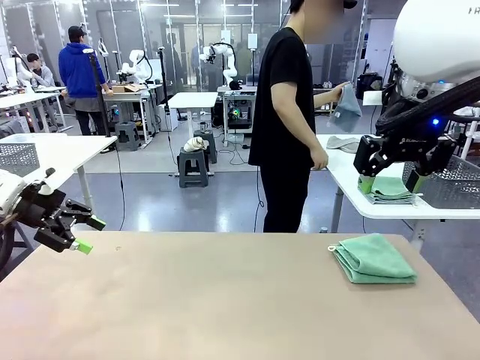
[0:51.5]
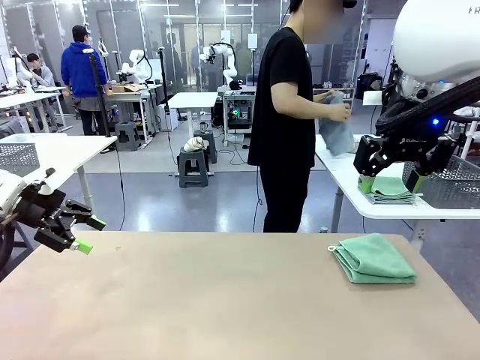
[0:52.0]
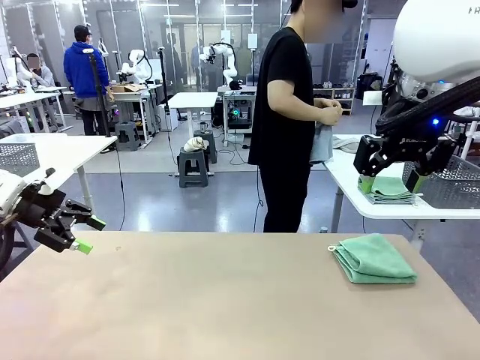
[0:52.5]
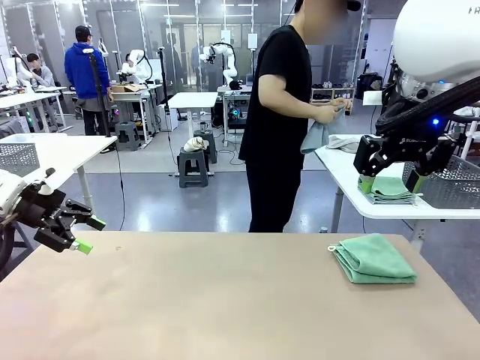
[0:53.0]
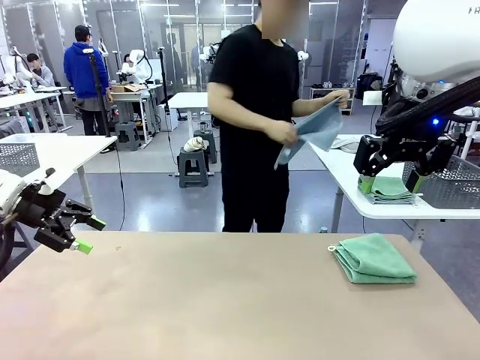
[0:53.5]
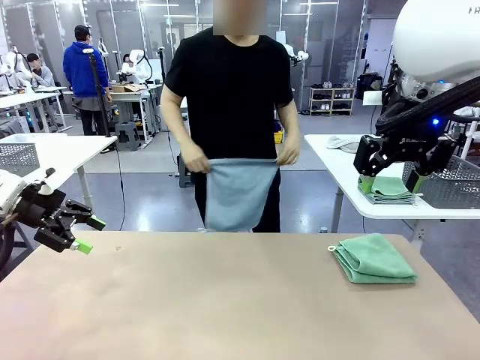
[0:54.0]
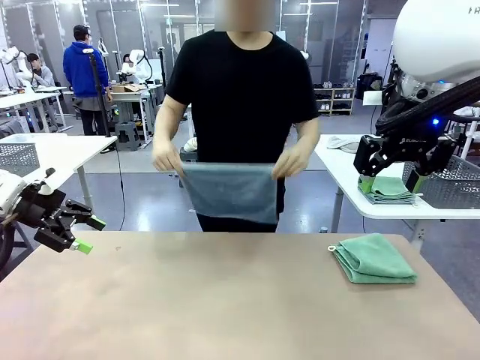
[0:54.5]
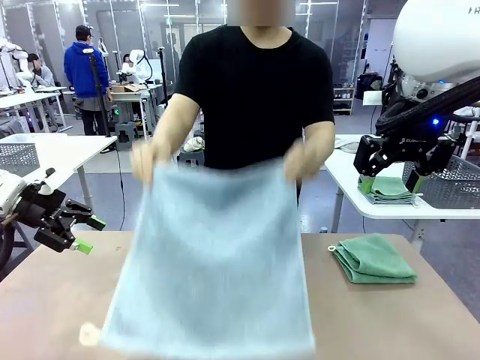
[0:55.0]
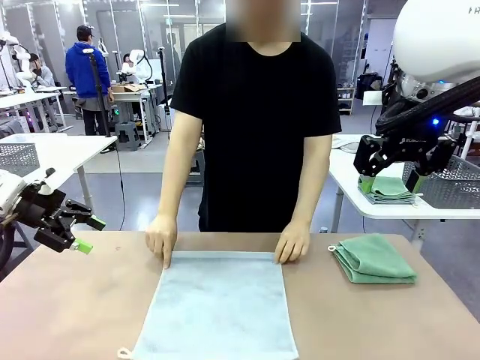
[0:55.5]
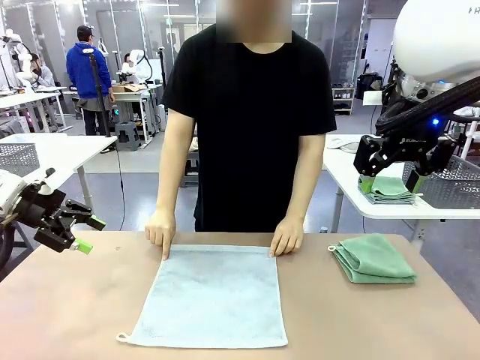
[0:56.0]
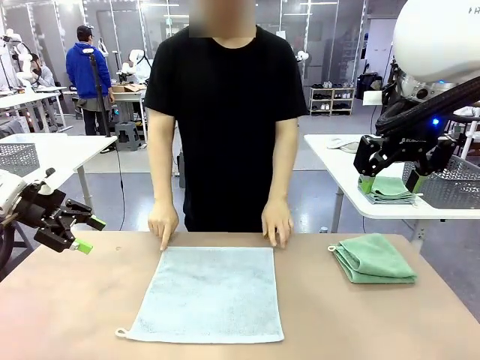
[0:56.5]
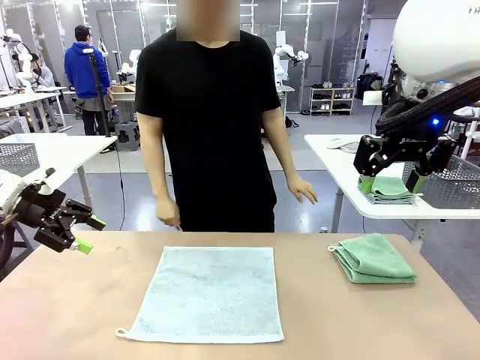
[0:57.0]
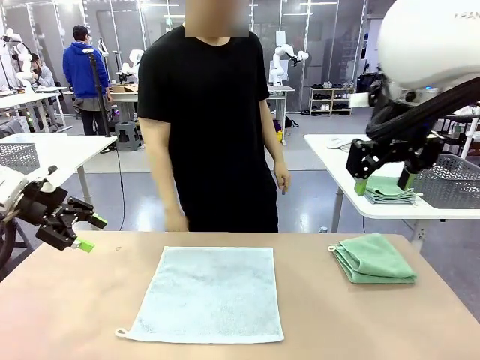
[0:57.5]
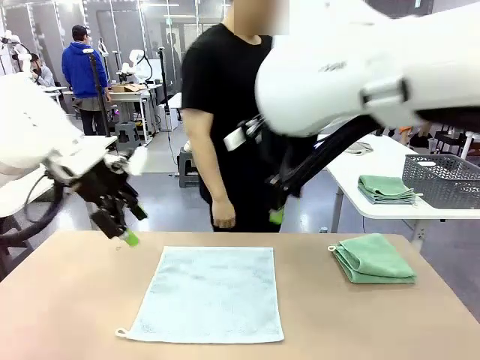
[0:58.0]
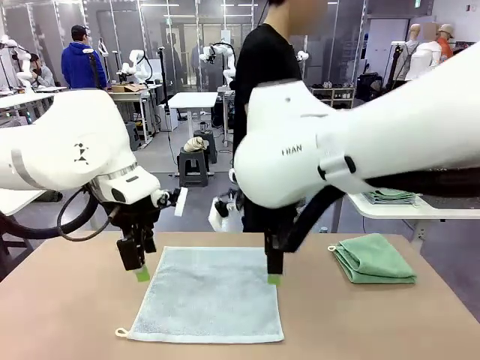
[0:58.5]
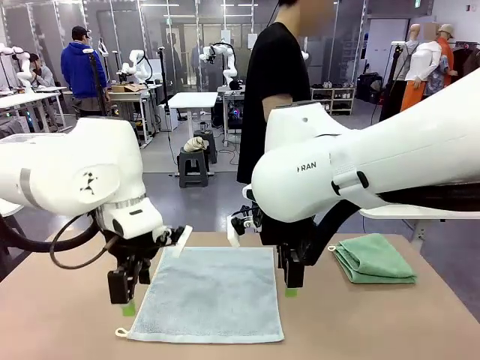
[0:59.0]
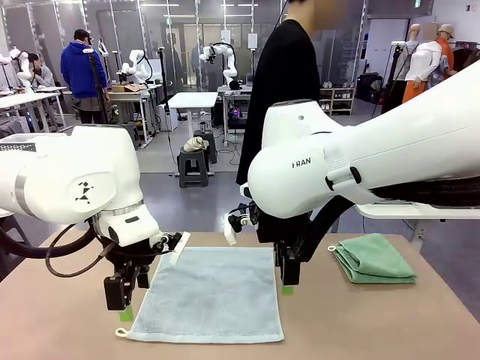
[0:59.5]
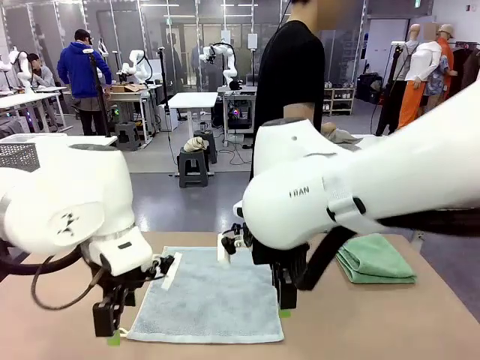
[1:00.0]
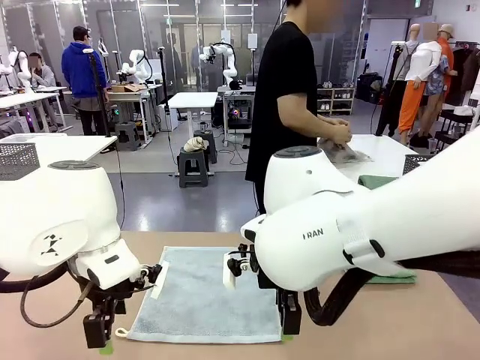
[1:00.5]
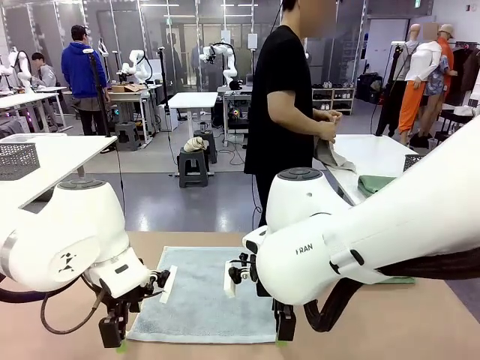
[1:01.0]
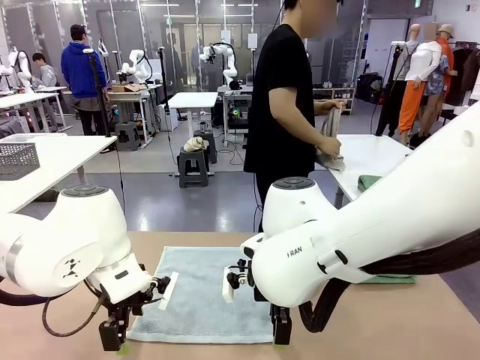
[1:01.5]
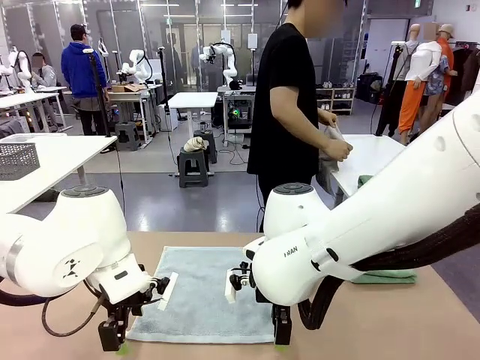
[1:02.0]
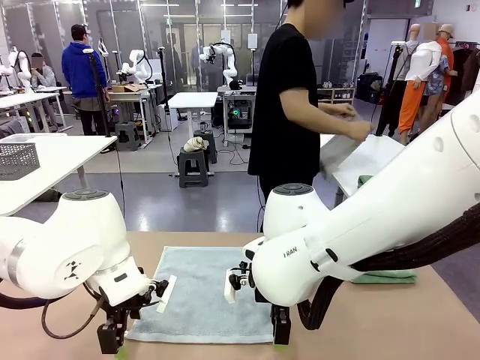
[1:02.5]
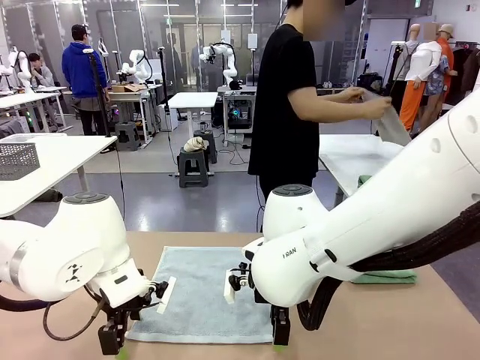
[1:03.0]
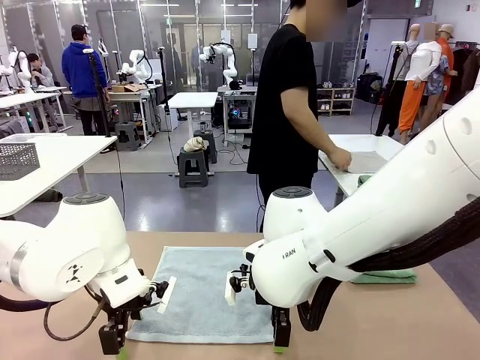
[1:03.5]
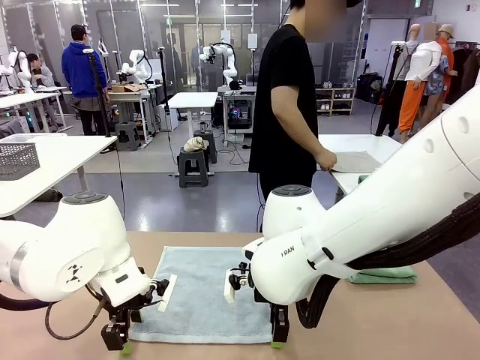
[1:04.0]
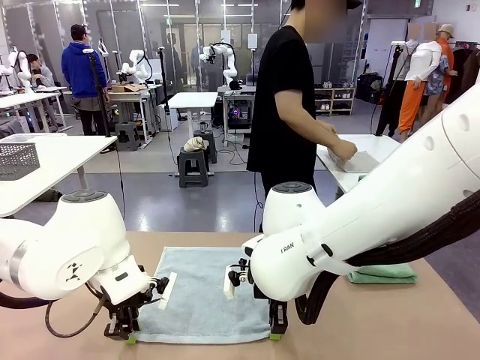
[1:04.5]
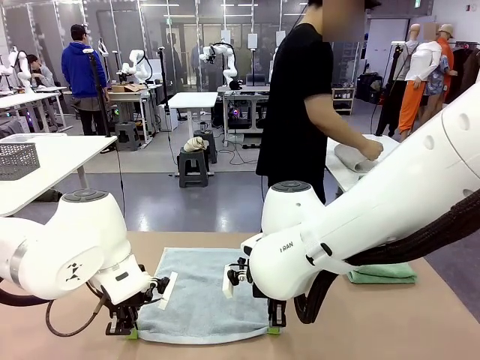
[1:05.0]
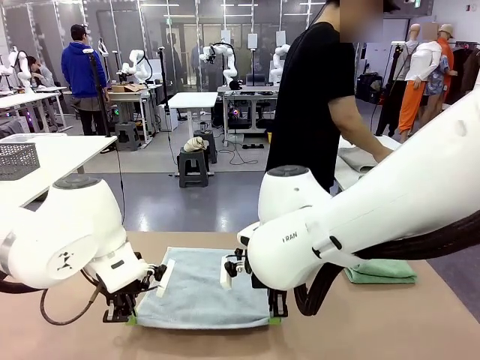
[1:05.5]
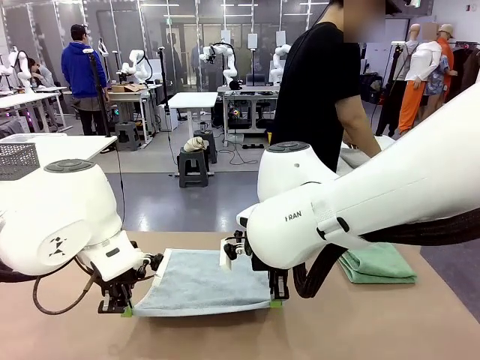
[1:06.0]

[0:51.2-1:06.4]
Task: Fold the towels and place them in the basket.
Robot: When a person lays out a Towel with hook on the table, fold it in half twice.
Person: Pick up one towel from the left side of the human table and spread it out at the center of the robot table. Pick up one towel from the left side of the human table, fold it in half twice, and stack it on the right side of the table.

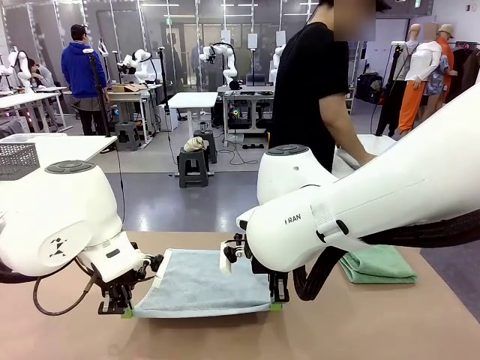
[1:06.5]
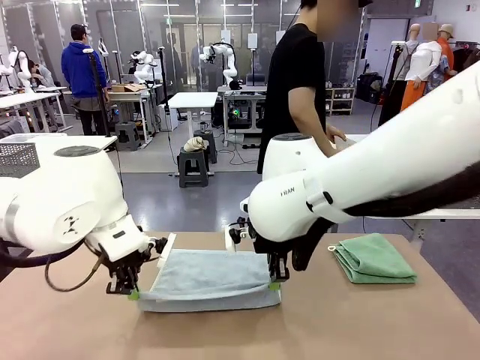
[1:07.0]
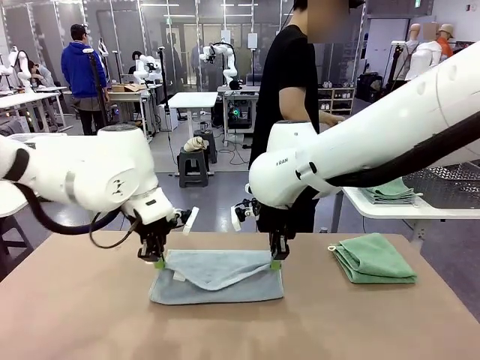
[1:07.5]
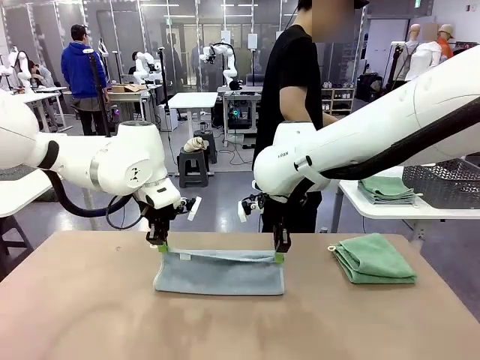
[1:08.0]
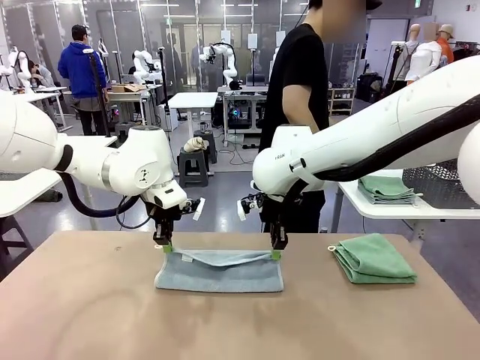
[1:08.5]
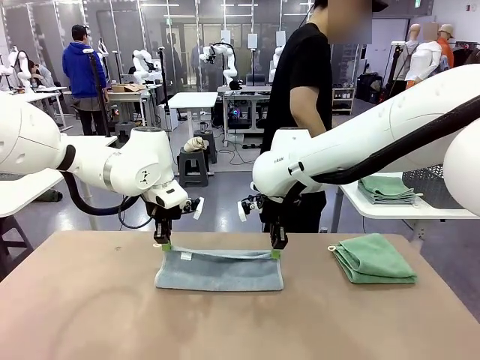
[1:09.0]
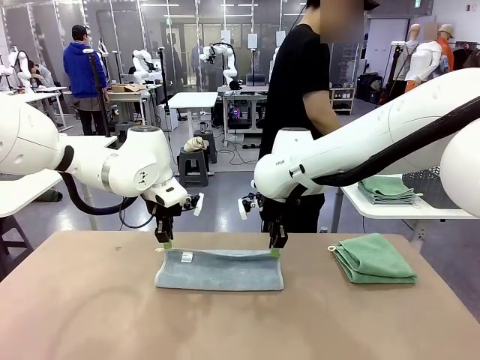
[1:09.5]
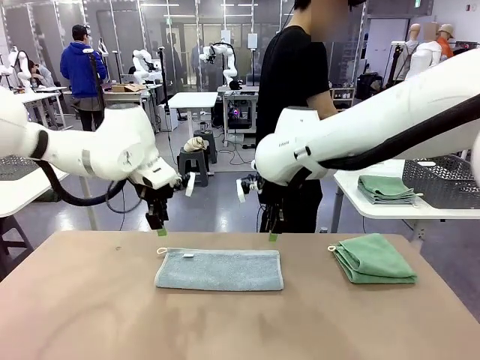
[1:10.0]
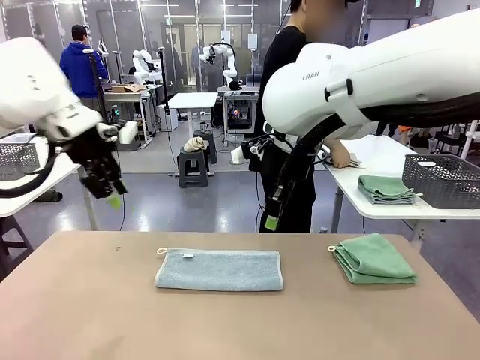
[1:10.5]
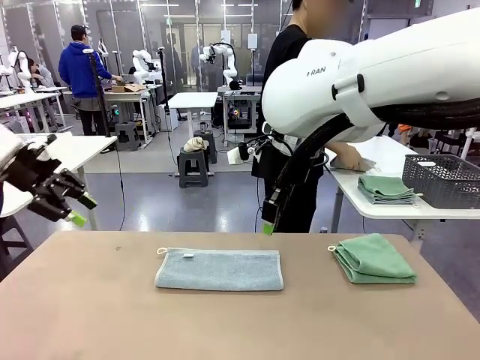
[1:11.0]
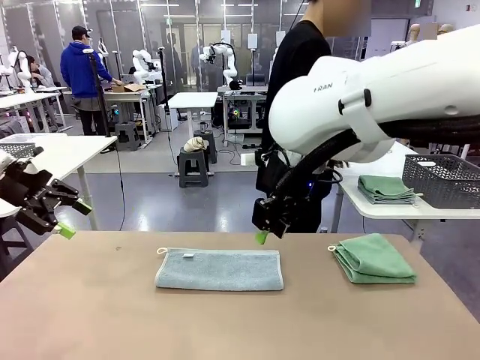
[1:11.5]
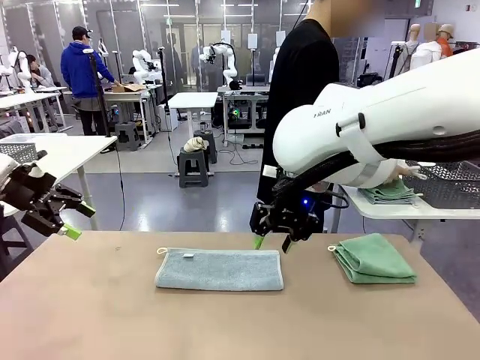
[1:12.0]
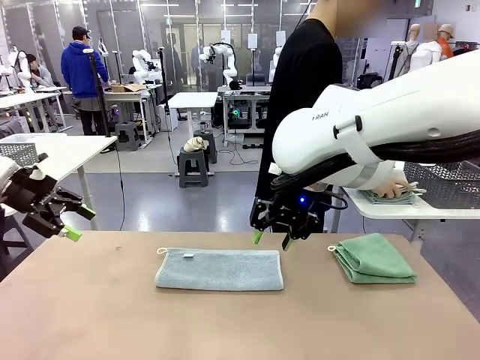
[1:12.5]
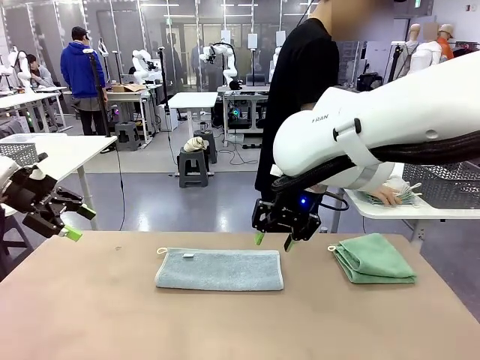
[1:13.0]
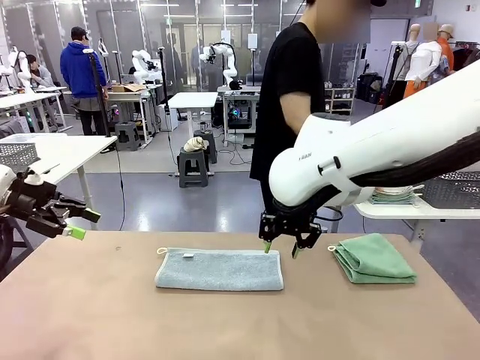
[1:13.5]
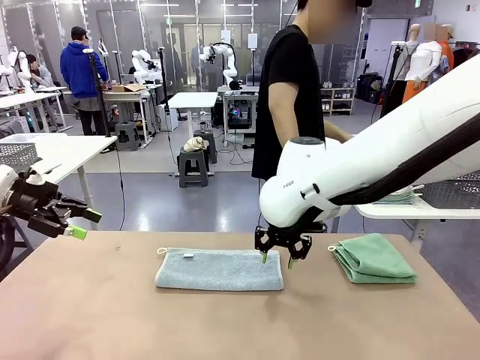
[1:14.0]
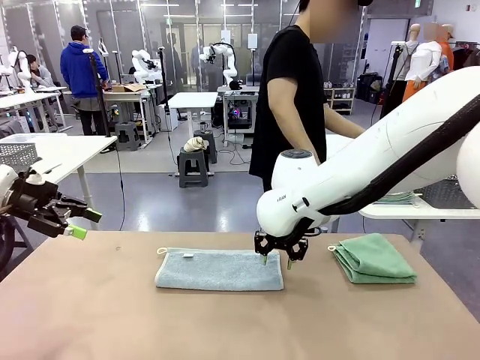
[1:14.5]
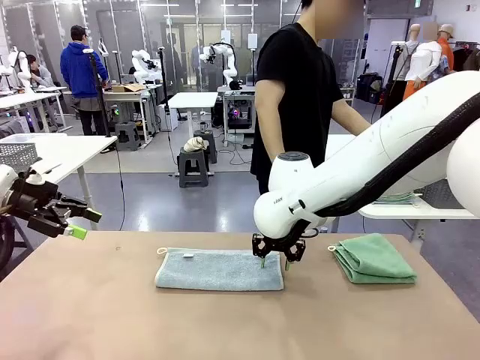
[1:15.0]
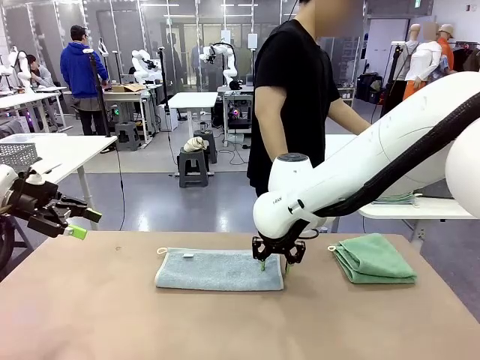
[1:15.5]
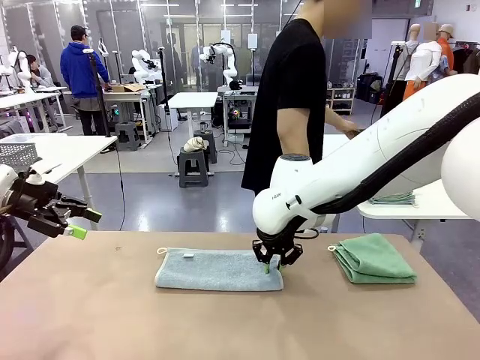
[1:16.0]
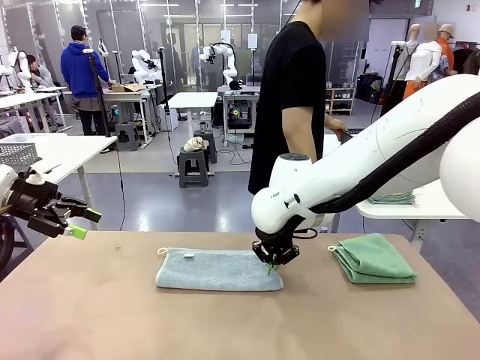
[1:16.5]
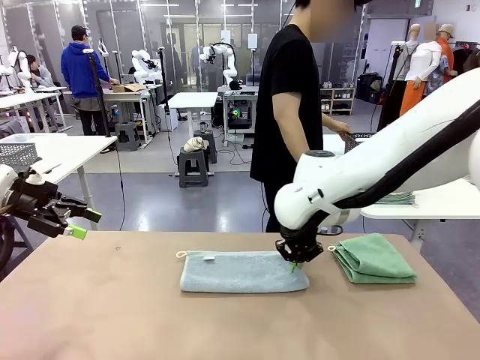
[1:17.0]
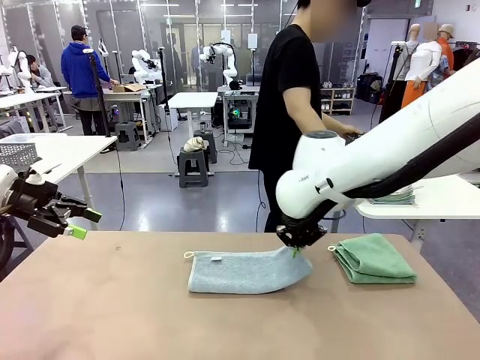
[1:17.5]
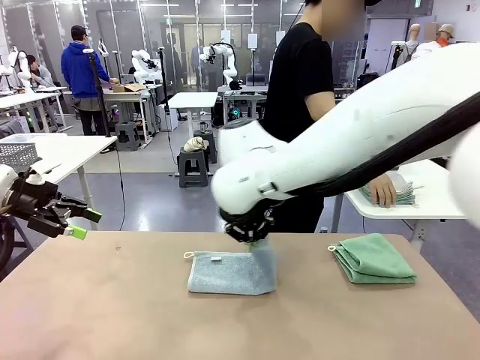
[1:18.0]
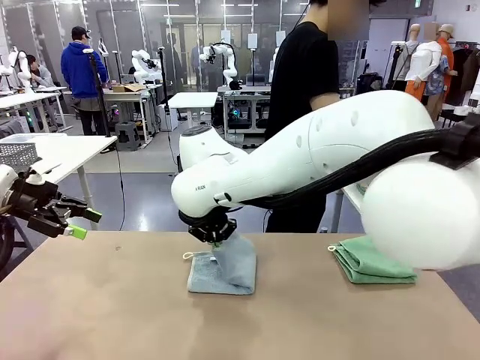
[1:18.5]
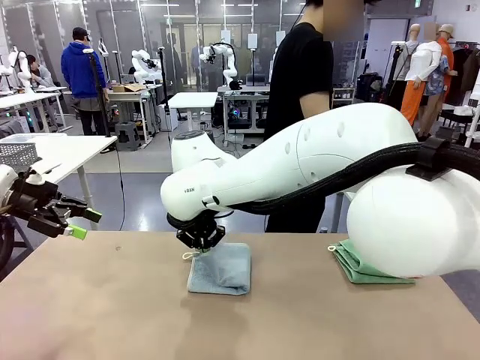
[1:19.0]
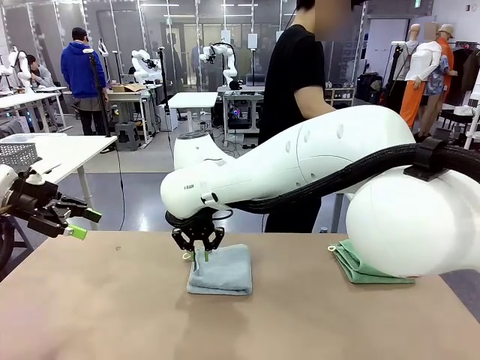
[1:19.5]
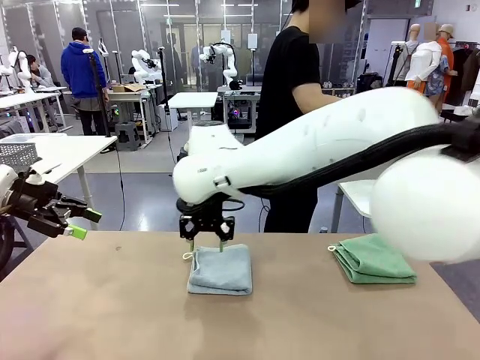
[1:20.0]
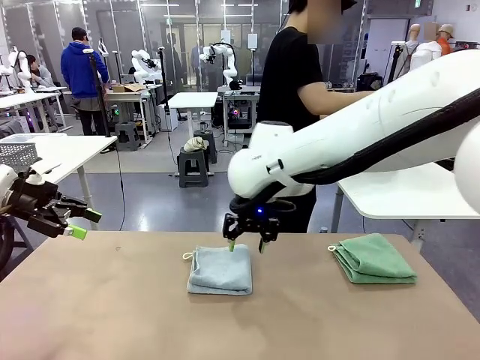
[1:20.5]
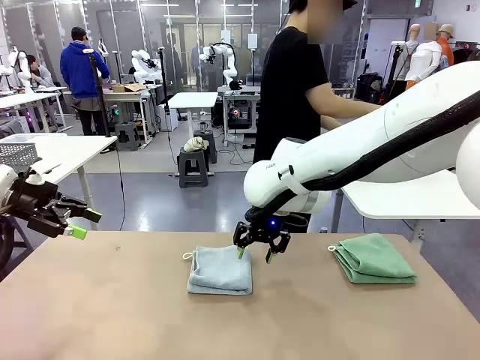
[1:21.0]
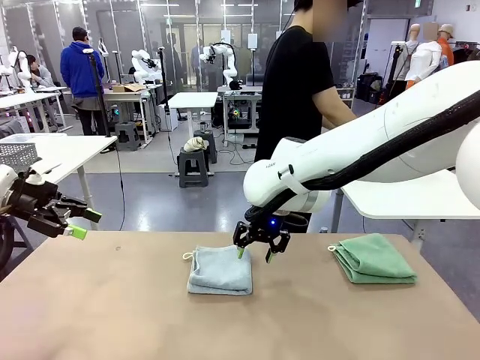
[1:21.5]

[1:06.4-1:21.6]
Robot: When a person lays out a Towel with hook on the table, fold it in half twice.
Person: Pick up the stack of towels from the right side of the human table, place it into the basket, and put the basket at the center of the table.
